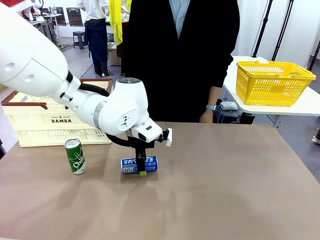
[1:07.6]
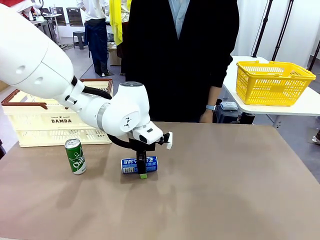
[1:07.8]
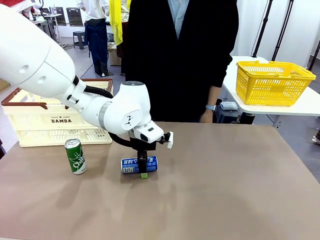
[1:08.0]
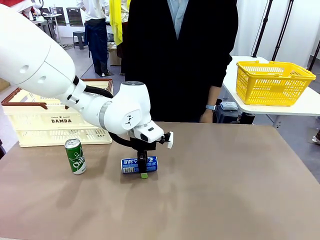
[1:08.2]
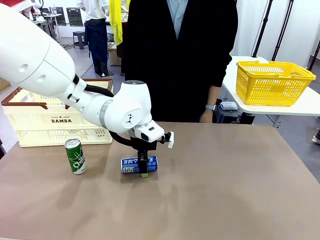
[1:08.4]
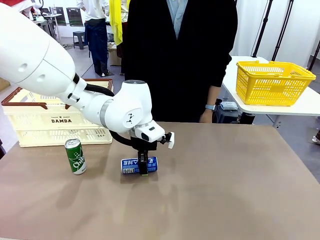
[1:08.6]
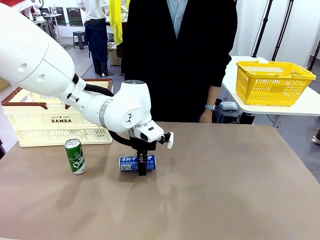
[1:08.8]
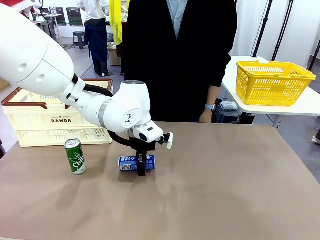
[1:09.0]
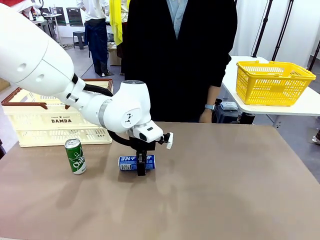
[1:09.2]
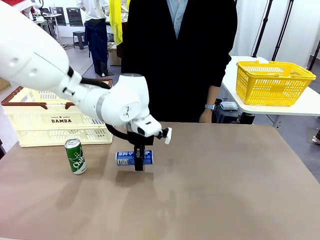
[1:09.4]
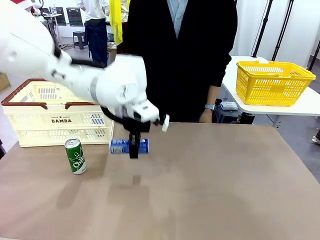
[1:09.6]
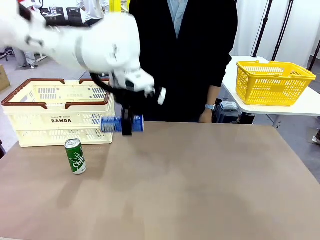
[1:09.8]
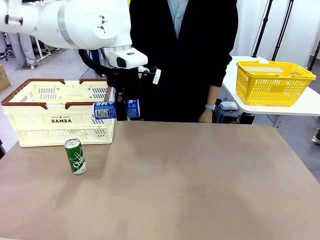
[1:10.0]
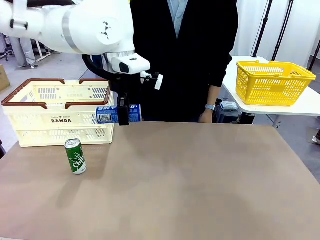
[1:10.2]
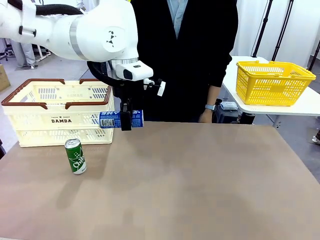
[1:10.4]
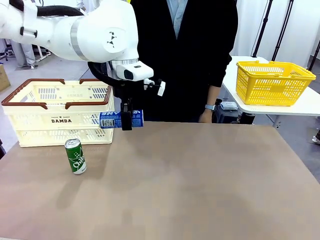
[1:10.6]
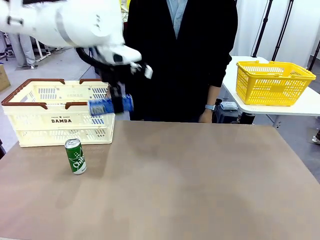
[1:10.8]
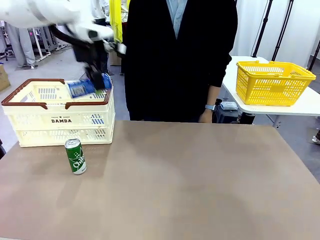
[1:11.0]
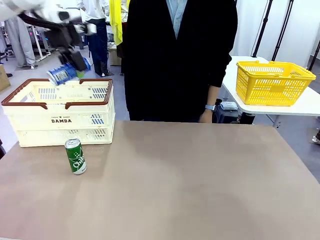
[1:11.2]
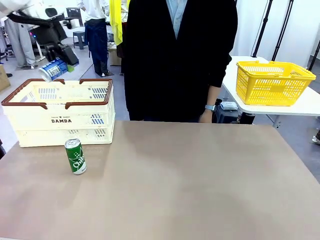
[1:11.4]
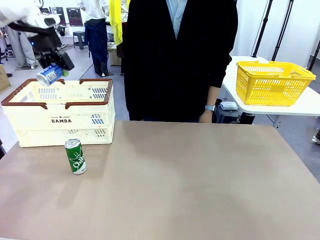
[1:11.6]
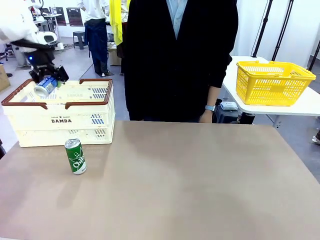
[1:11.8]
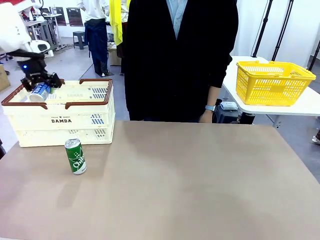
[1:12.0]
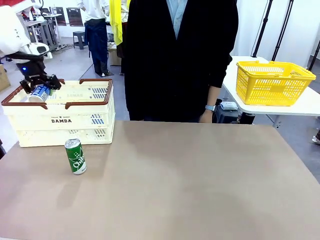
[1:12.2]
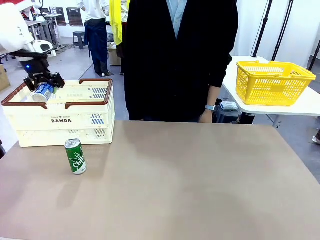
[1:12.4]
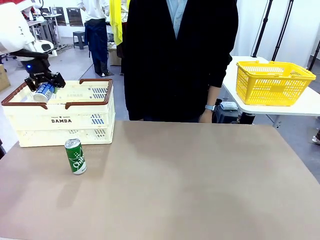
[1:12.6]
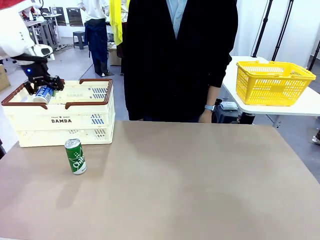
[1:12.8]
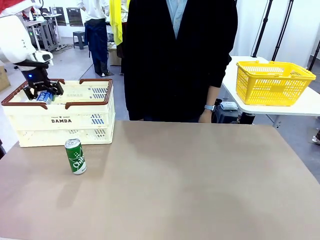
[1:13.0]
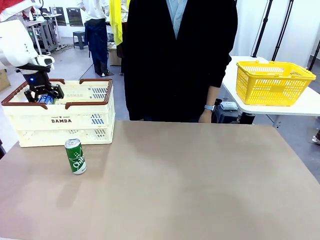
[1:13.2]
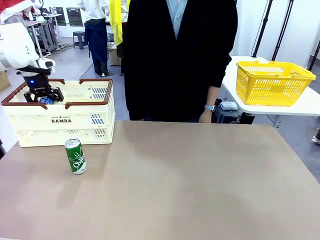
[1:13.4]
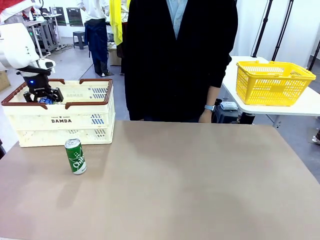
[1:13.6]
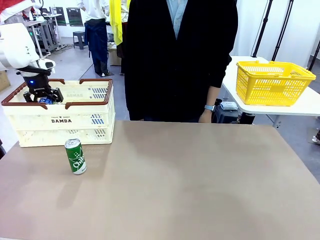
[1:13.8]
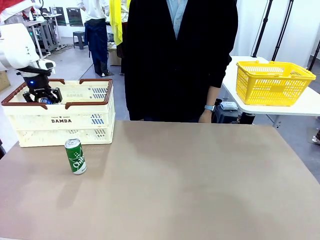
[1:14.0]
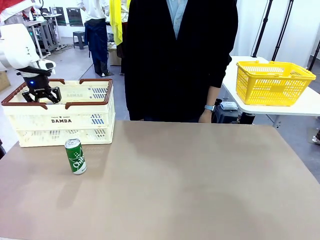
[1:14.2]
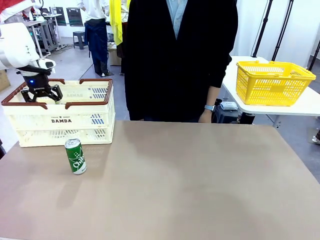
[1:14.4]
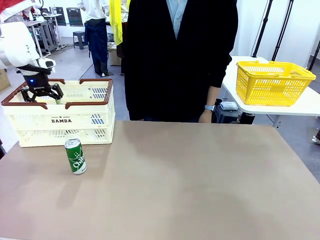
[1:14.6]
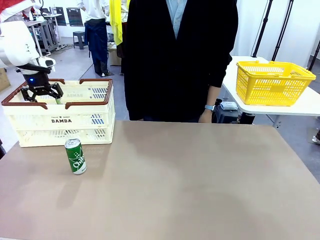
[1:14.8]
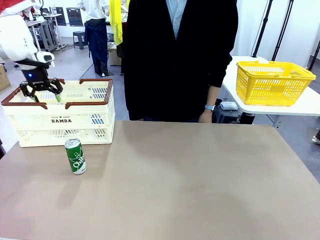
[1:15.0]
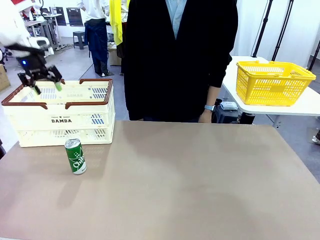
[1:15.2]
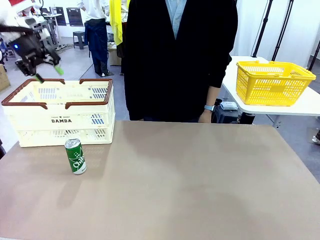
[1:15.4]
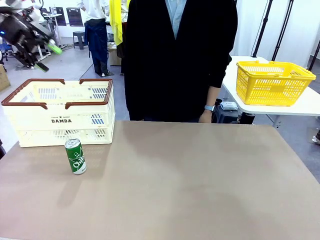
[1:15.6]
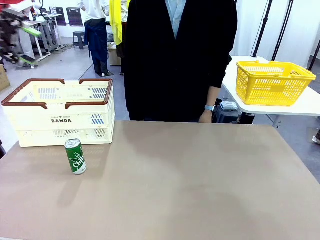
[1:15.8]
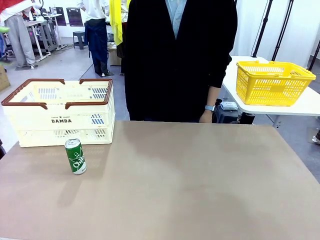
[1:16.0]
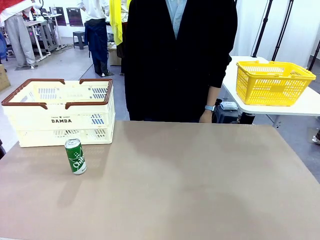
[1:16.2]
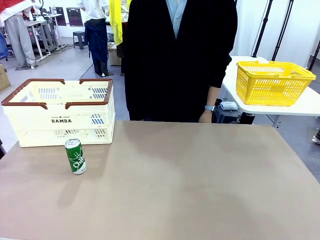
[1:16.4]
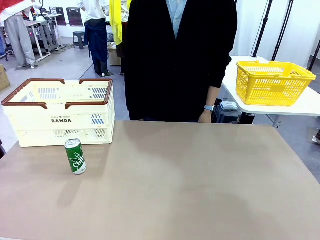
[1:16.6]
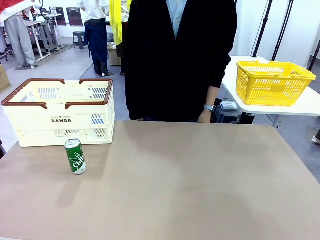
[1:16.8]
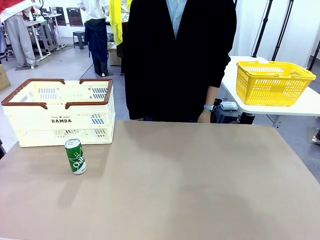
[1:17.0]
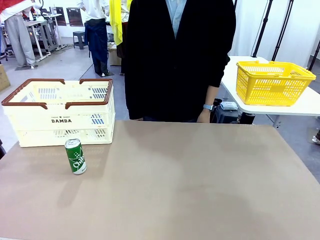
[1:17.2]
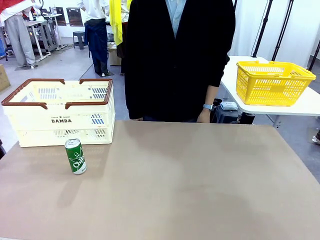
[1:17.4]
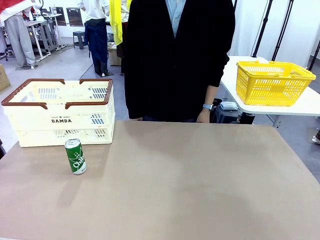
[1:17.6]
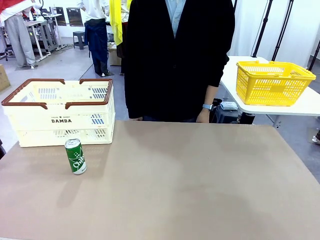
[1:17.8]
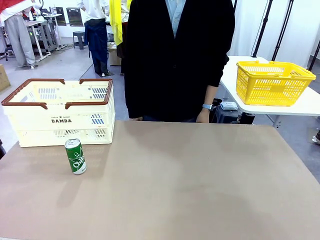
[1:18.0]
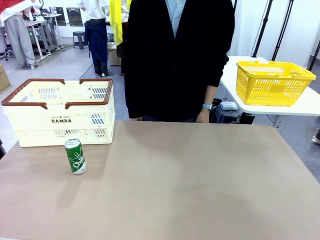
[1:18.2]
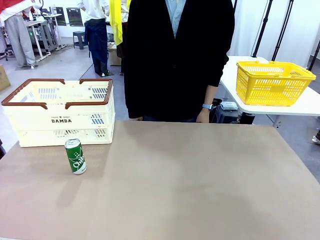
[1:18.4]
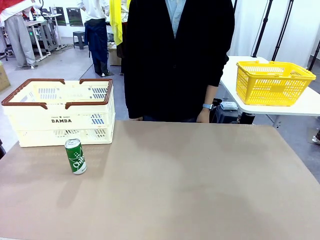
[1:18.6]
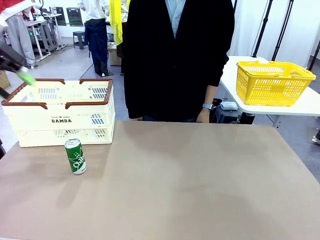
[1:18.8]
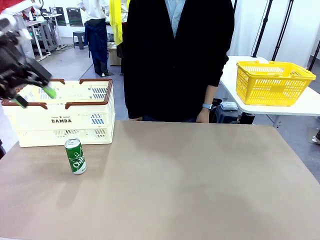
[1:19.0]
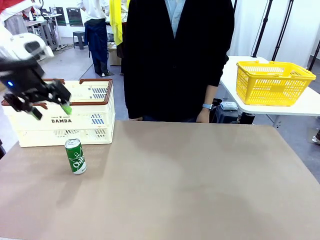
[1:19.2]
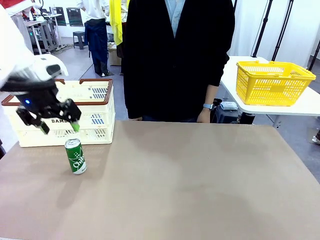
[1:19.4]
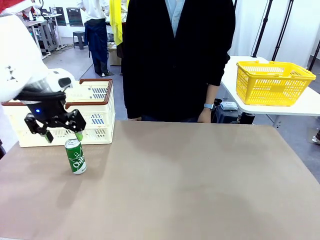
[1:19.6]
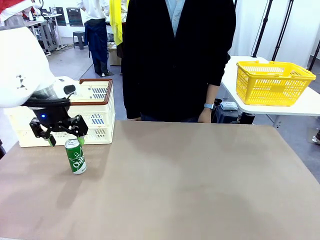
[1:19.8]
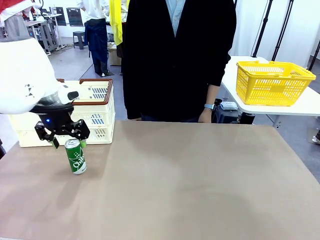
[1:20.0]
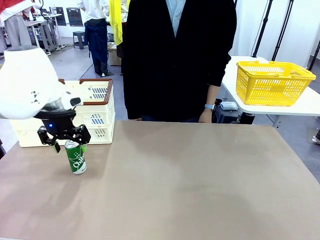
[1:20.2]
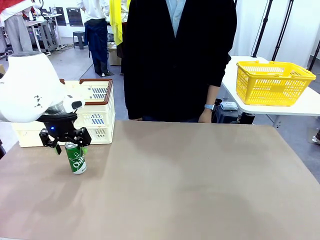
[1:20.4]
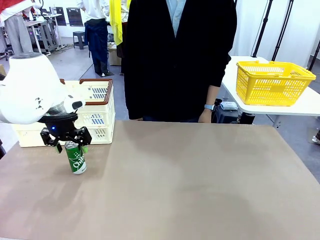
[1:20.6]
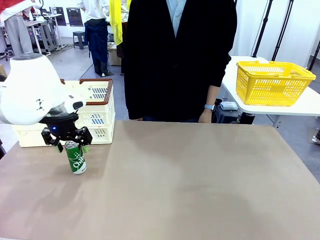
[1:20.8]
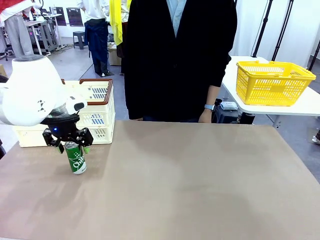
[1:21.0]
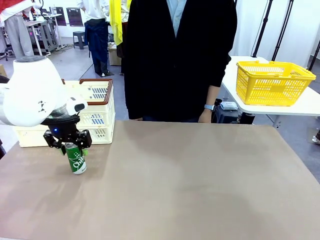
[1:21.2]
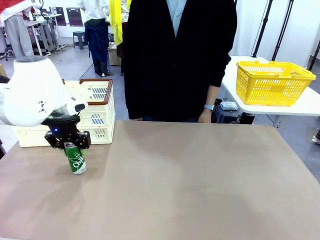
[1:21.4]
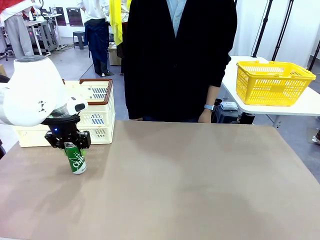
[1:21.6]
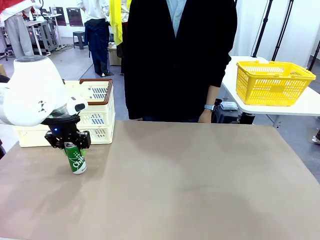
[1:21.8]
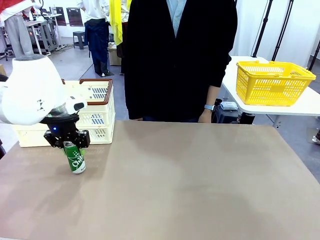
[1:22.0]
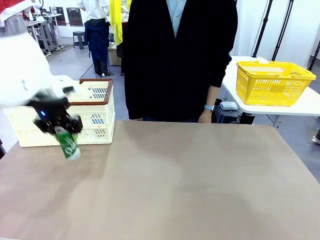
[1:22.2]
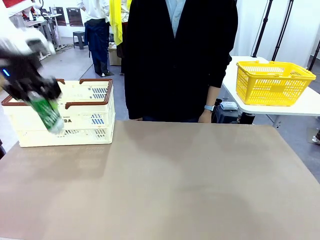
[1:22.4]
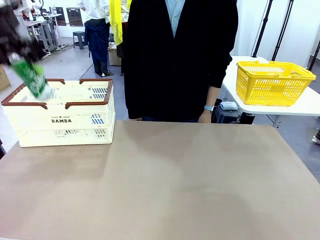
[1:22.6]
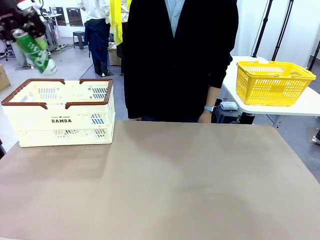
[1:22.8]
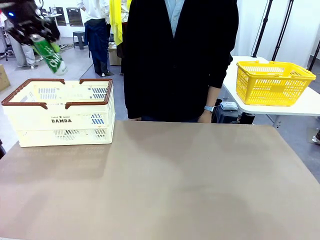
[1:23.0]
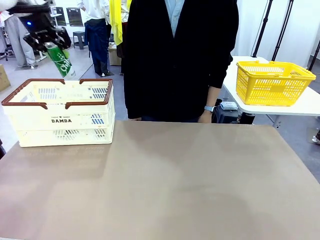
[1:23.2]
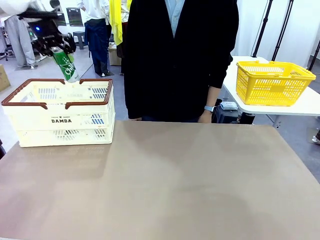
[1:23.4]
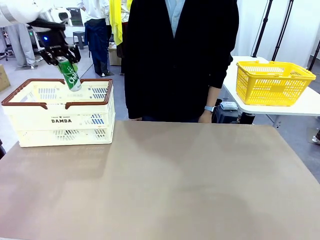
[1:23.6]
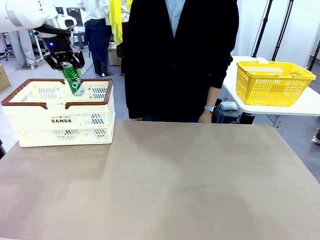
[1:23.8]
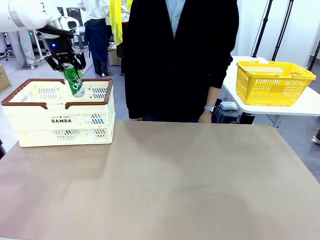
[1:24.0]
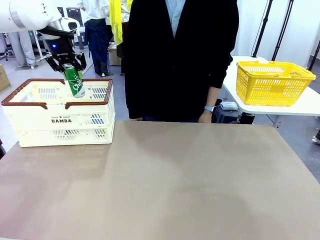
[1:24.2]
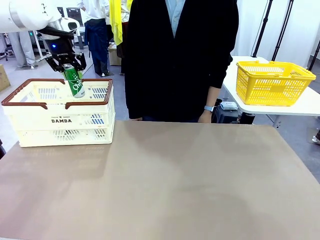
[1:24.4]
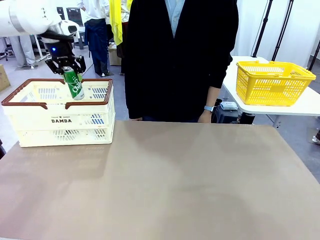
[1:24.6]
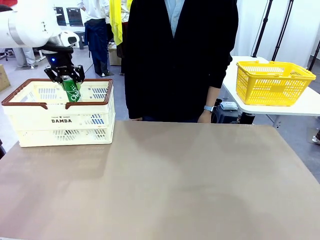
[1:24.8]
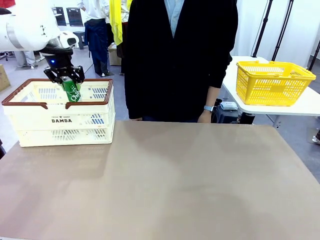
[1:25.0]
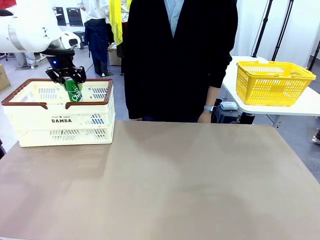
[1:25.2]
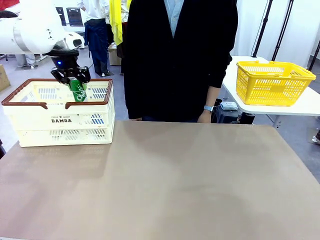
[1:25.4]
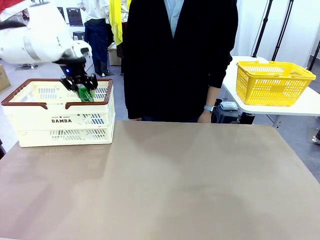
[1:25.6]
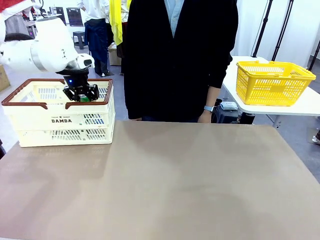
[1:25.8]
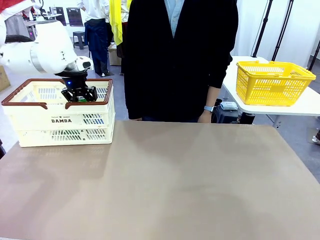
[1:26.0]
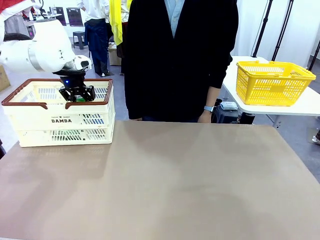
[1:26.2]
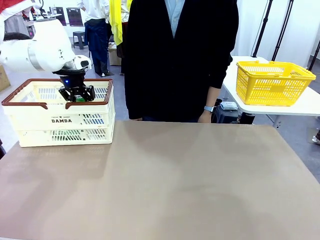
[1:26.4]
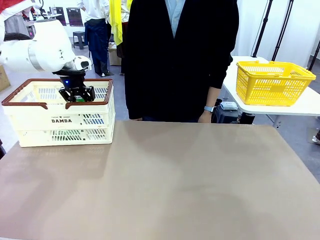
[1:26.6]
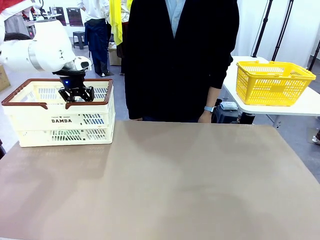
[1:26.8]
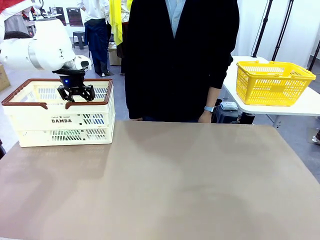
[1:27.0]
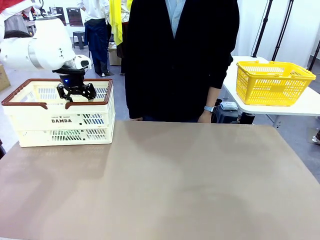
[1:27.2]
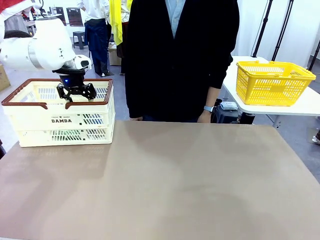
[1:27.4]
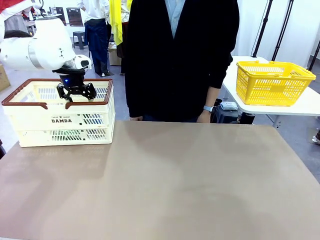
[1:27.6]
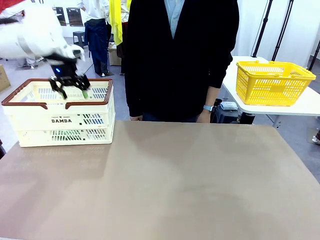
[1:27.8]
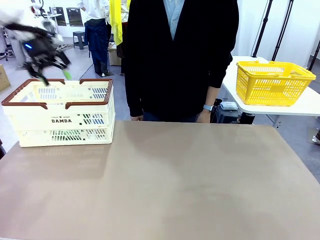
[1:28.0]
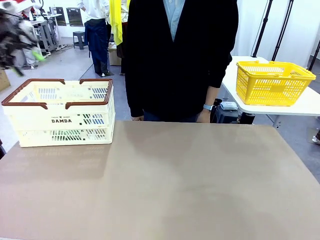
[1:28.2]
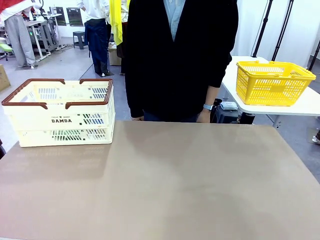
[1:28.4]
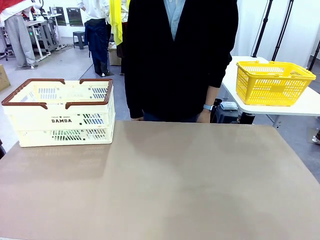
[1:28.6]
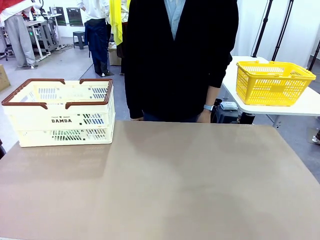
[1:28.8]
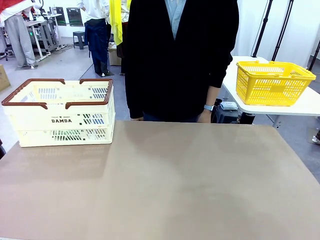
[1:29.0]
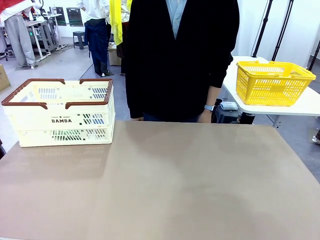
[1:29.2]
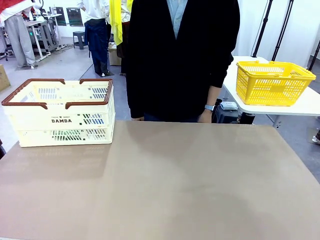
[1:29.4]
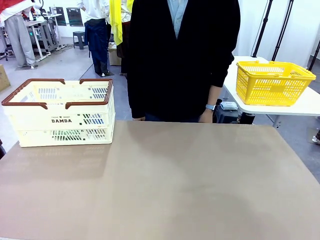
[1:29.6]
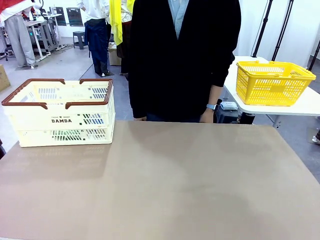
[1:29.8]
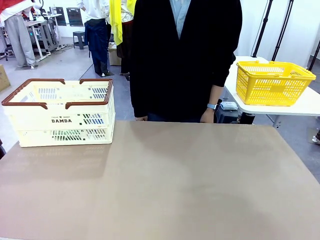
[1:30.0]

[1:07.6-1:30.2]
Task: Place the drinks into the Shopping basket.
Robot: Pick up one drink and place it into the Shopping basket.
